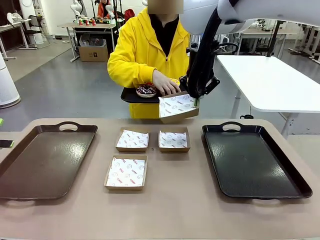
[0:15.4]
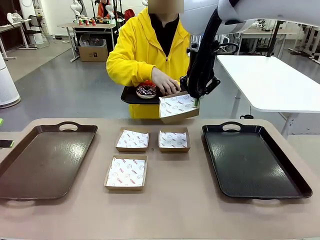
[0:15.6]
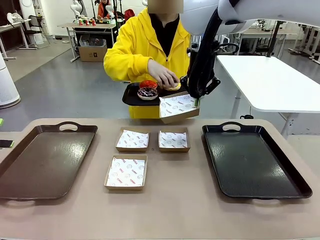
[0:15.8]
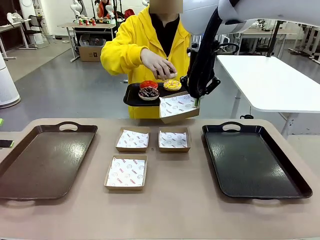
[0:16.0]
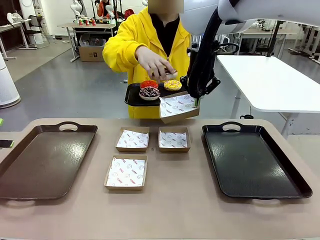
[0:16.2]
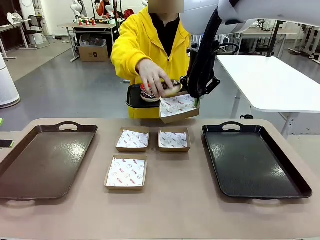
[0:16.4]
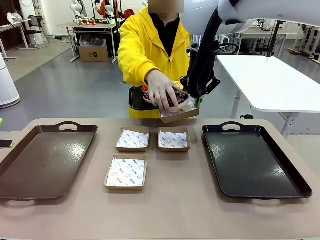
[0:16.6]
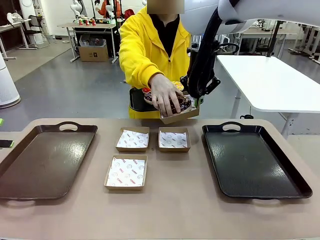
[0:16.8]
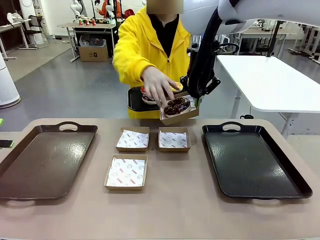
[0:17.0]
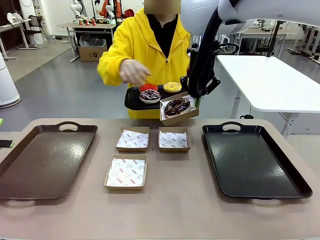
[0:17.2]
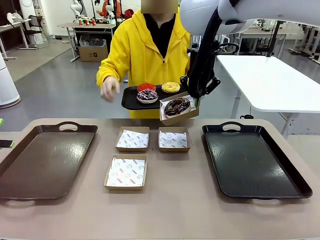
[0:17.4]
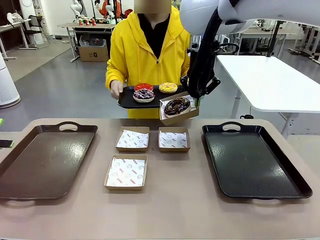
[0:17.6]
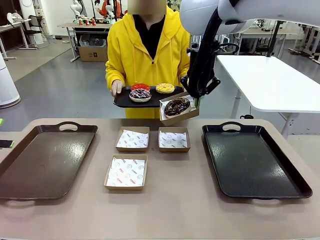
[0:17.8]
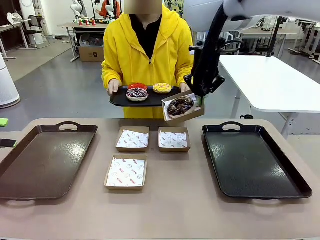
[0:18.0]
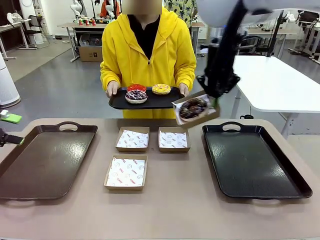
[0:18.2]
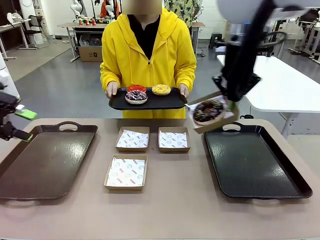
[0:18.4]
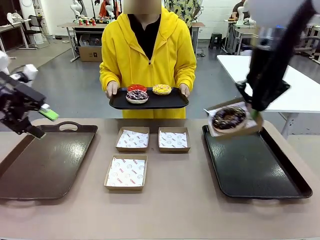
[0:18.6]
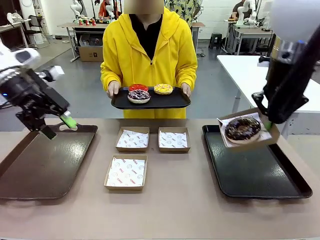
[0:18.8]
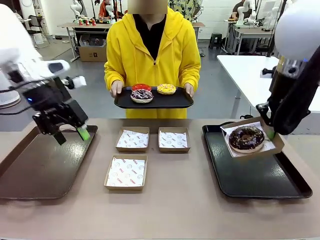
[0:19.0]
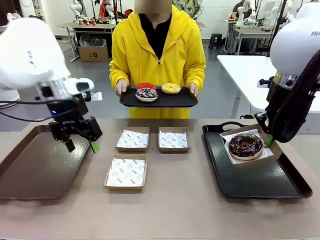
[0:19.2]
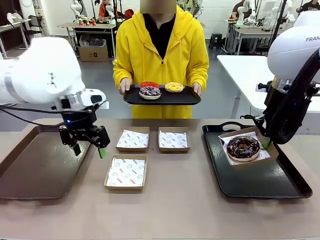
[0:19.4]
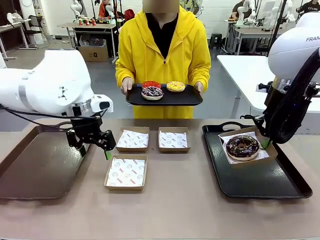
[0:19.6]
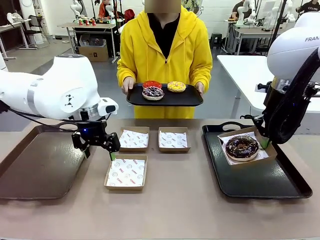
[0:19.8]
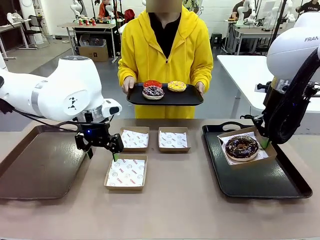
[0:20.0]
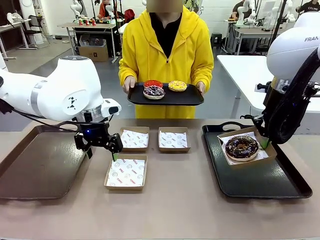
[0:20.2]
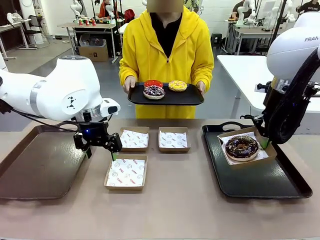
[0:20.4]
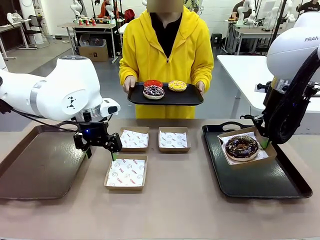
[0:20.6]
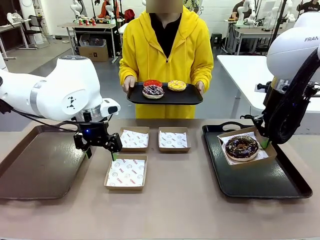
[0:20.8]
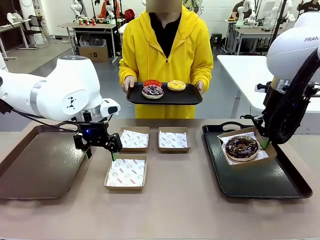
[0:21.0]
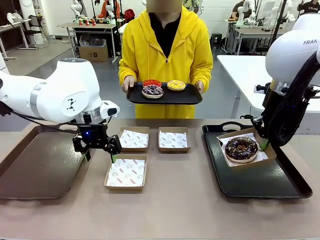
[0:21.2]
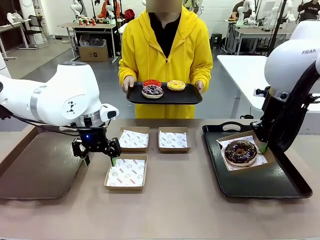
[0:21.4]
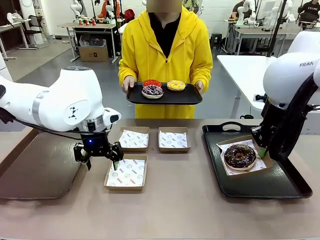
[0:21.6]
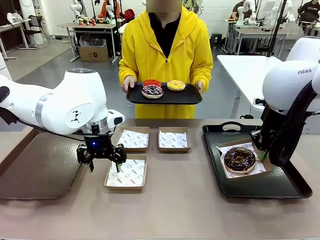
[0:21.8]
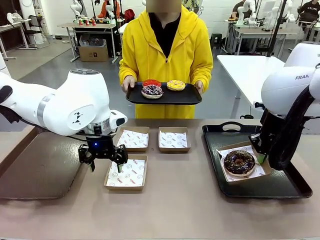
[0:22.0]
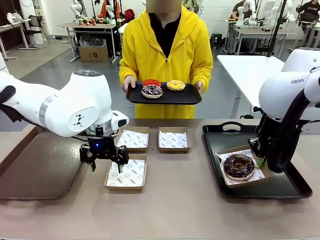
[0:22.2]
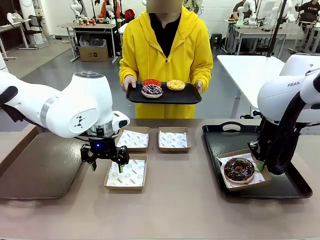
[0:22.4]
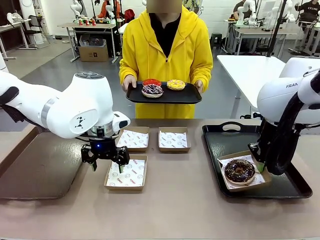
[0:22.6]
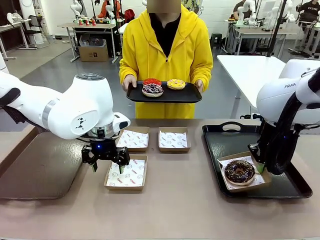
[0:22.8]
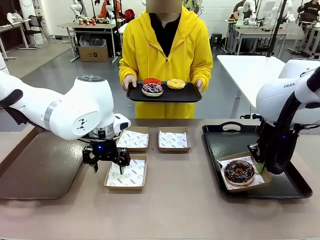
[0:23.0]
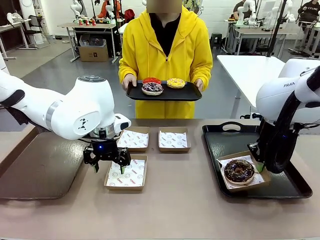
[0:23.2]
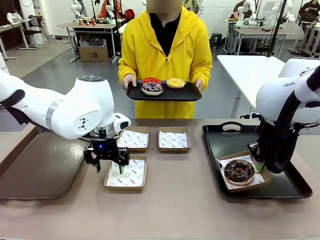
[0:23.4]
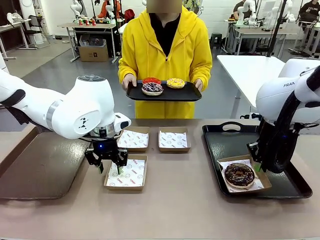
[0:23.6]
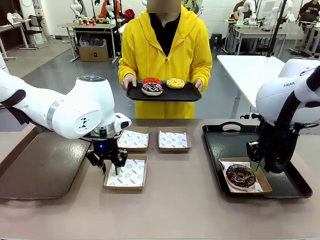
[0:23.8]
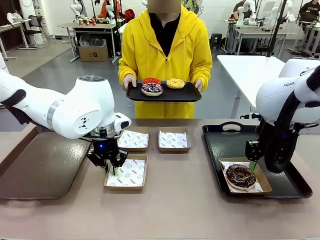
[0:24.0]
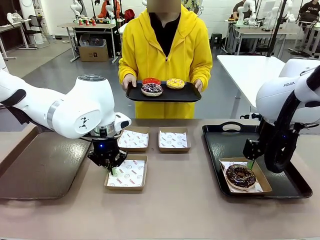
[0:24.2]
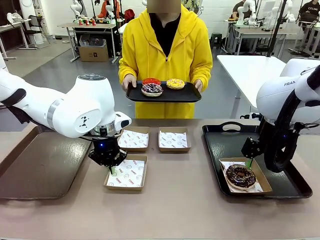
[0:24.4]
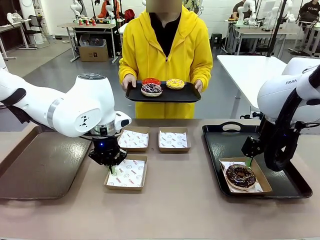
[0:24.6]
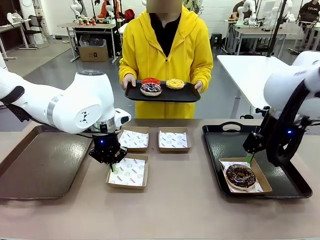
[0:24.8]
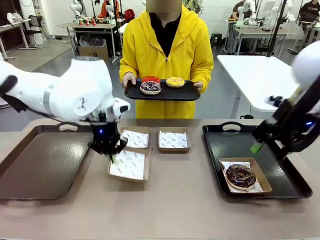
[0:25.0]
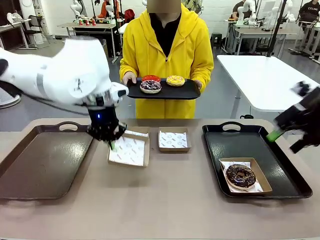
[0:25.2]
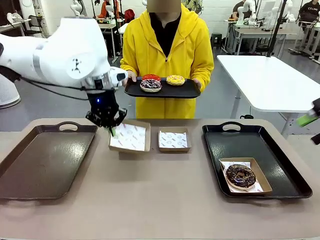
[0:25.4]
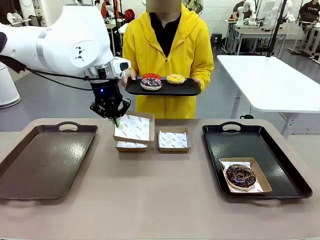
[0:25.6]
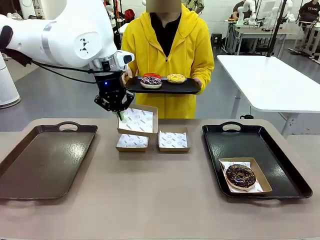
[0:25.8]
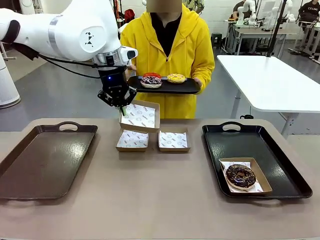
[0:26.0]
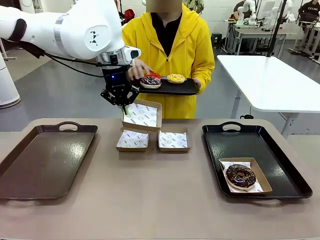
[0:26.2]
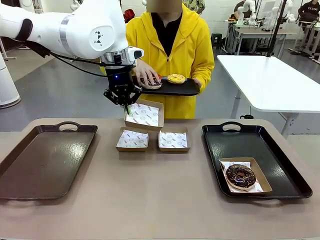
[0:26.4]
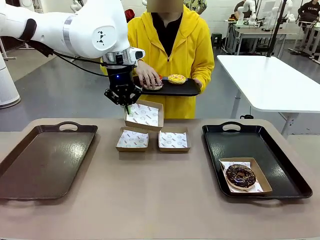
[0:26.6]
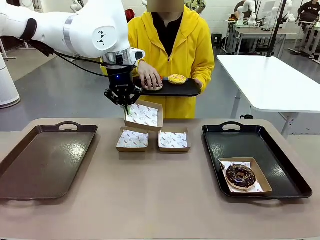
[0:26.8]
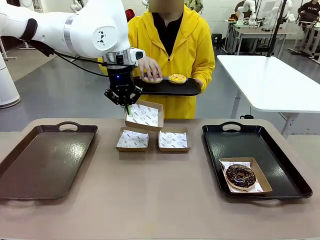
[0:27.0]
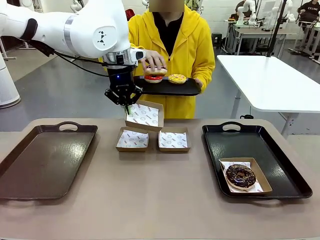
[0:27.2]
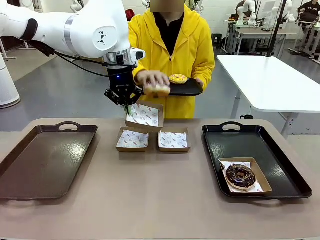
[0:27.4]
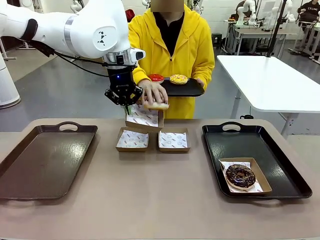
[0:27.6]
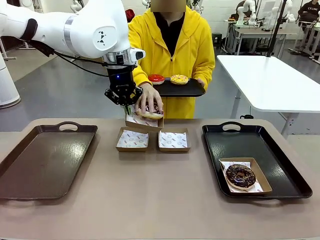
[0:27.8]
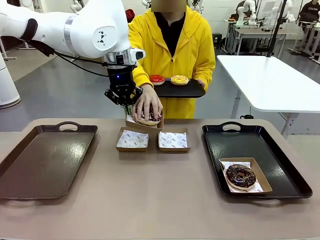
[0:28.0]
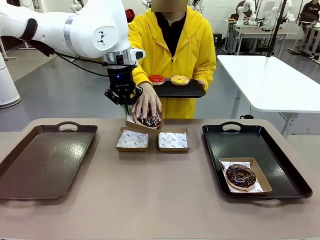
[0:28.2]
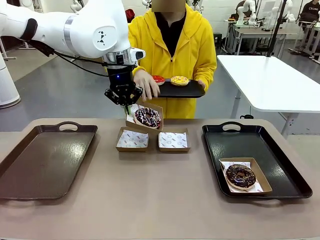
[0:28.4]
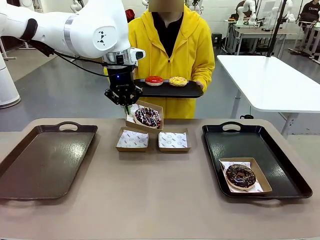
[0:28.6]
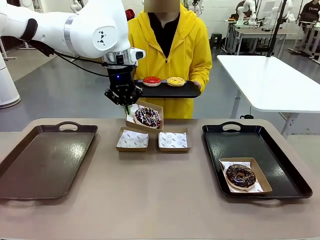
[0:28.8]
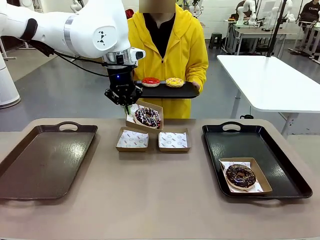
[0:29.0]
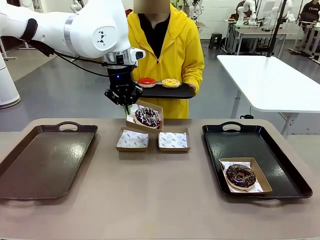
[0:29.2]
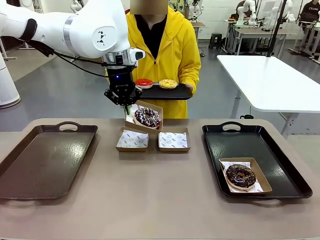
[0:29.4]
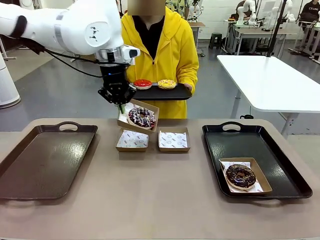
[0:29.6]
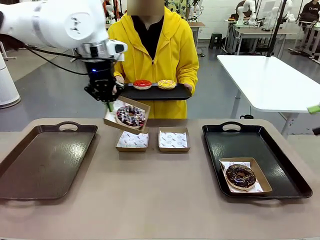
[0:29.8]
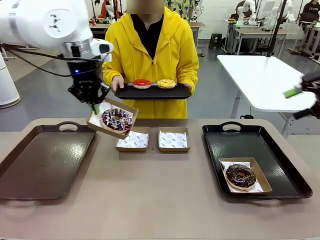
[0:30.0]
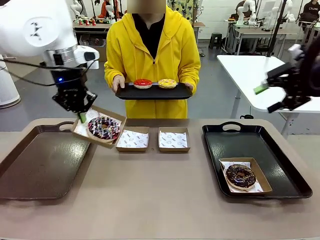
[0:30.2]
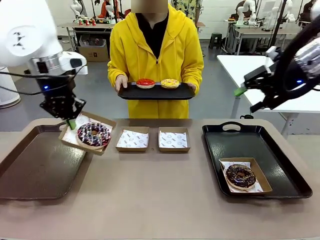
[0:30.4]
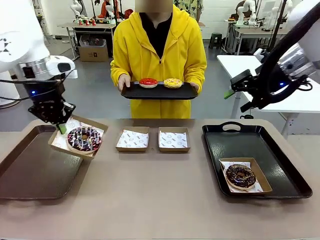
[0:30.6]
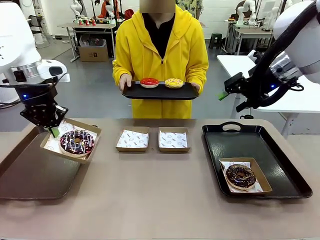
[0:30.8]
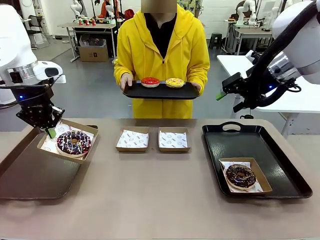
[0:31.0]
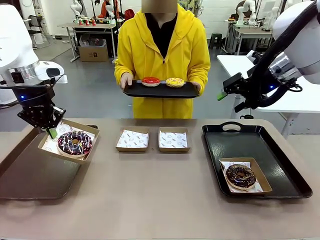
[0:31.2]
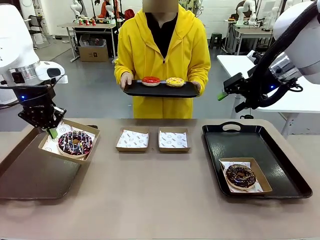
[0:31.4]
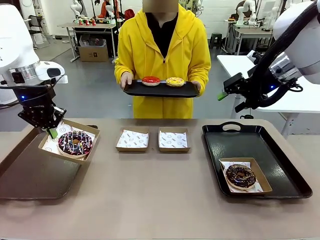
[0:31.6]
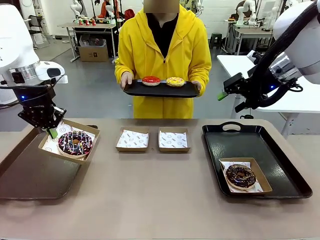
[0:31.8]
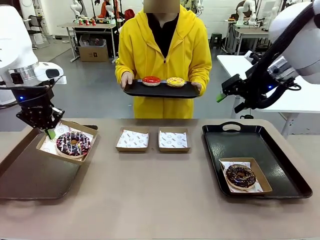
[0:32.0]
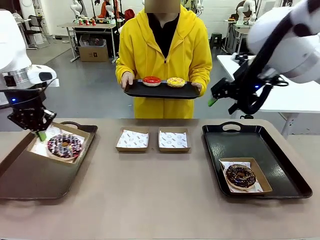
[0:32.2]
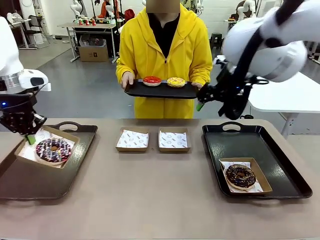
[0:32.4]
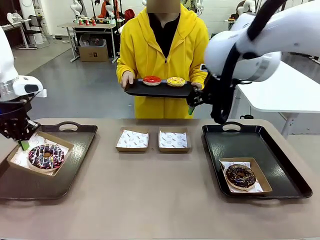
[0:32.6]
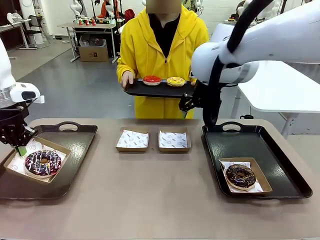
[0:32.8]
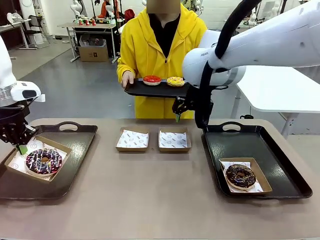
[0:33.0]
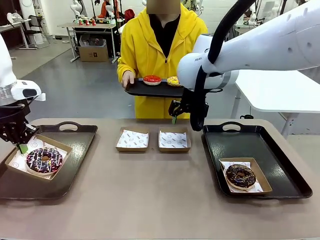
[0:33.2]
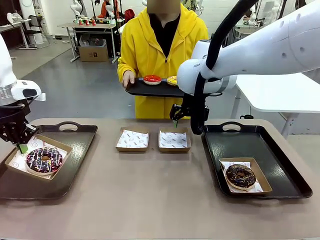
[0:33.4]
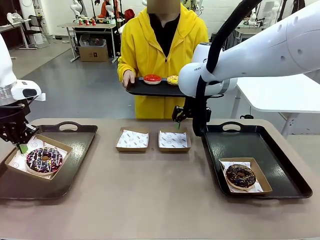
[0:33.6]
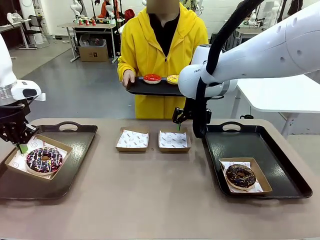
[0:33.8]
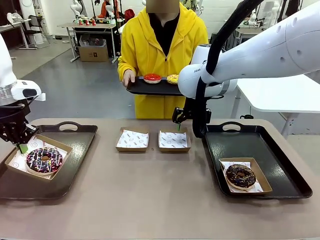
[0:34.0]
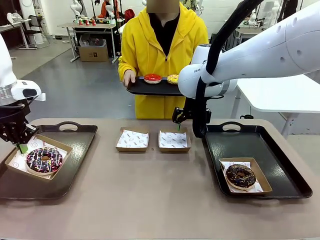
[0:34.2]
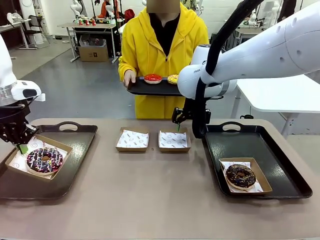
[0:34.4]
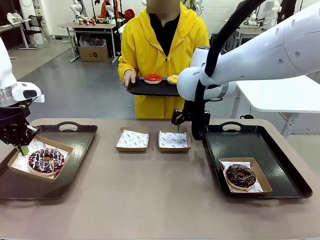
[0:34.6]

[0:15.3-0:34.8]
Task: Individually package the donuts and arrange them on the tray.
Robot: Place the picked Paper togo box on the Handle tray while simultaneously picking up another Paper togo box from the table with the other hand.
